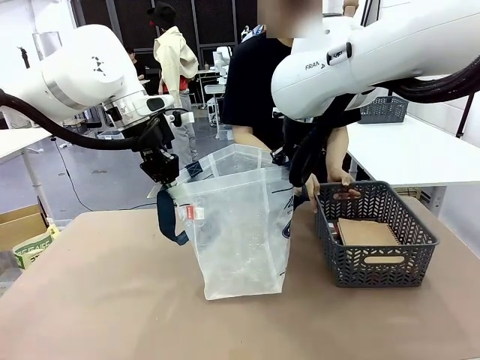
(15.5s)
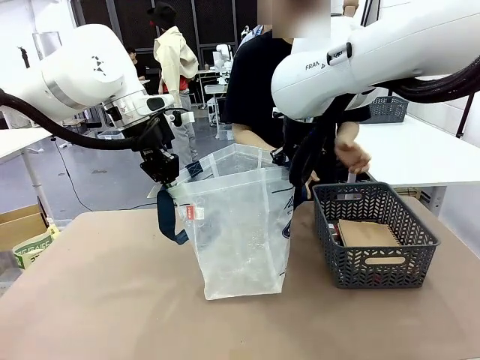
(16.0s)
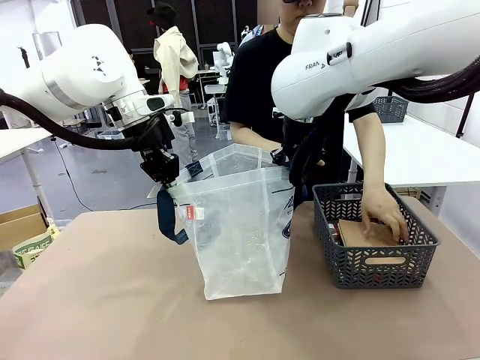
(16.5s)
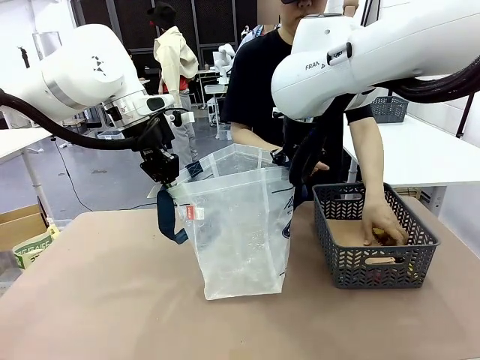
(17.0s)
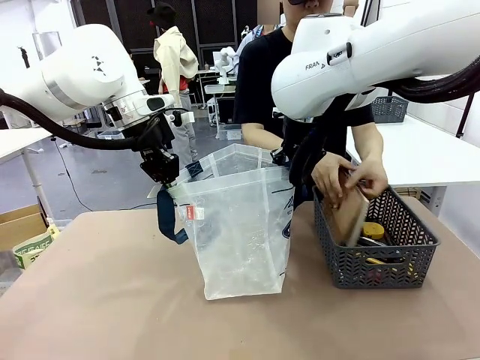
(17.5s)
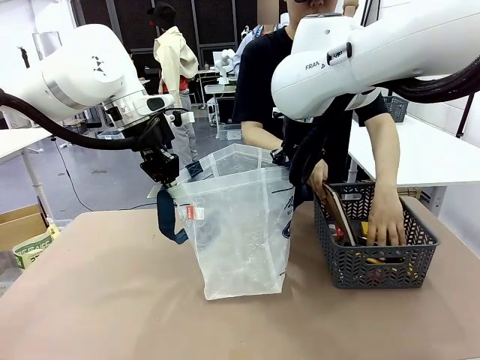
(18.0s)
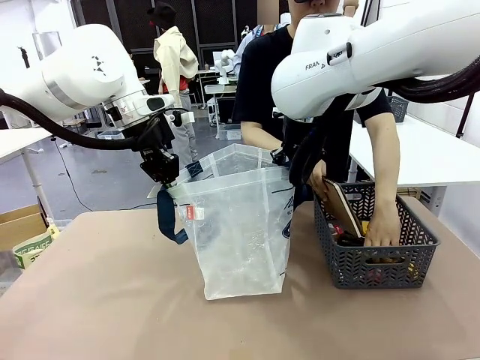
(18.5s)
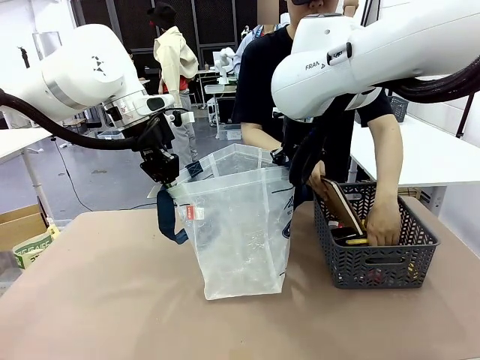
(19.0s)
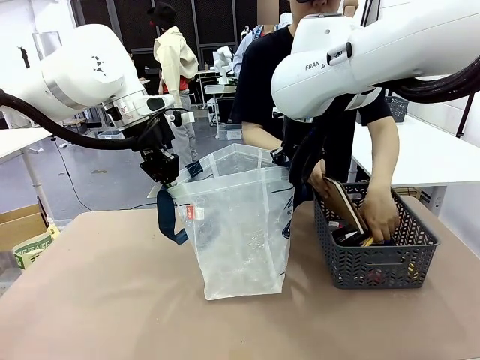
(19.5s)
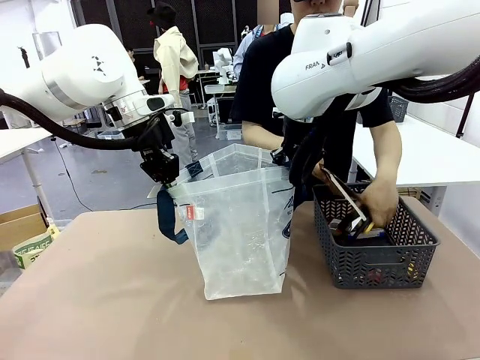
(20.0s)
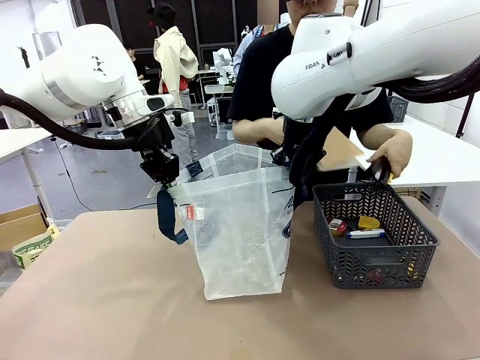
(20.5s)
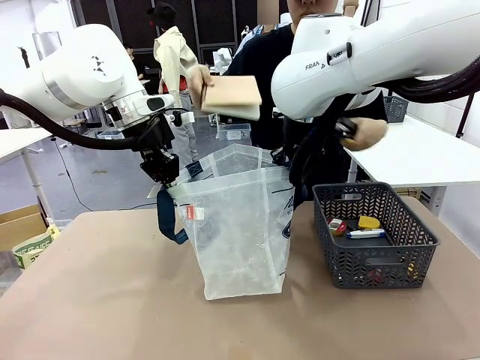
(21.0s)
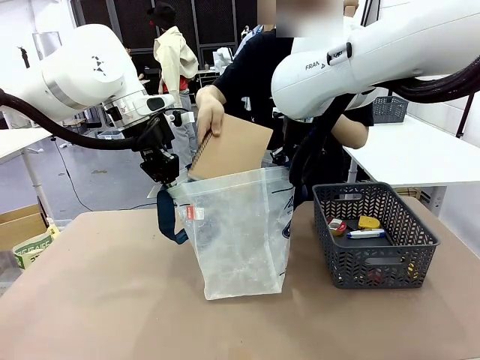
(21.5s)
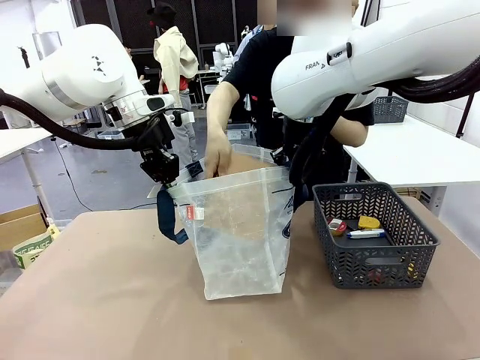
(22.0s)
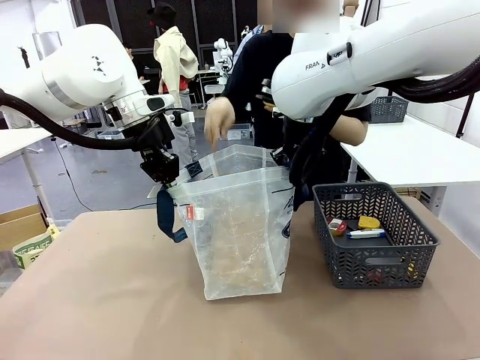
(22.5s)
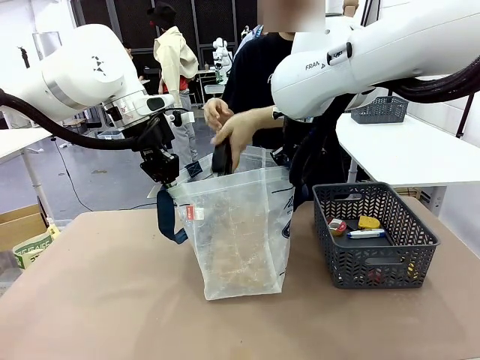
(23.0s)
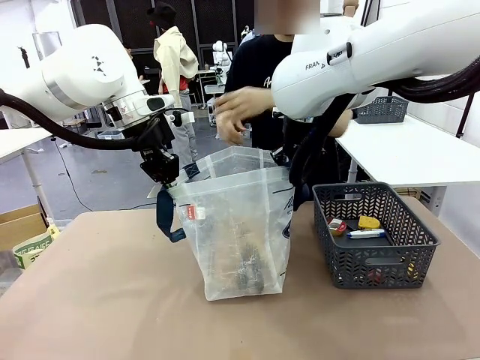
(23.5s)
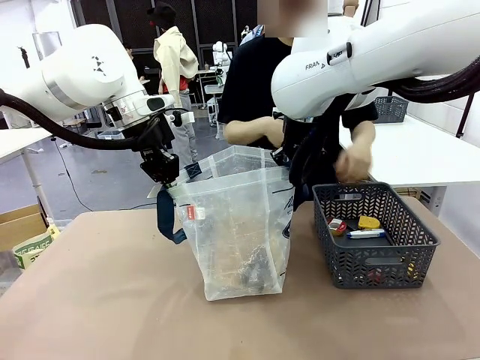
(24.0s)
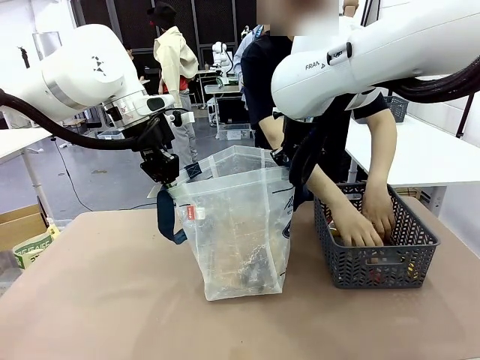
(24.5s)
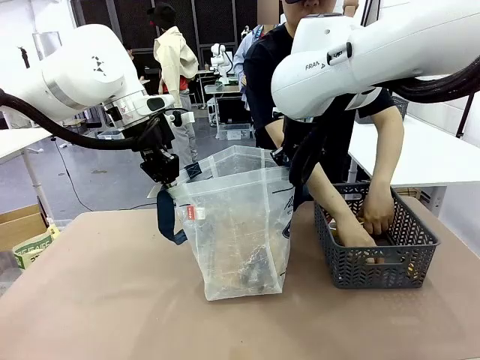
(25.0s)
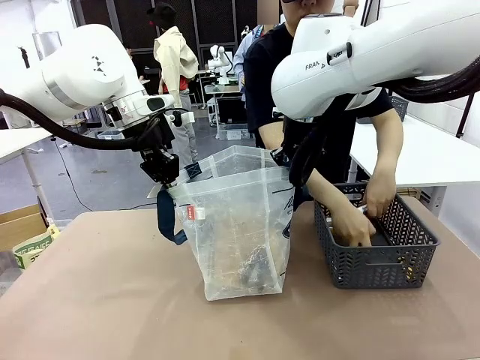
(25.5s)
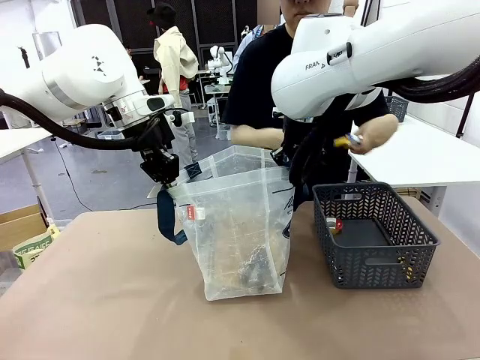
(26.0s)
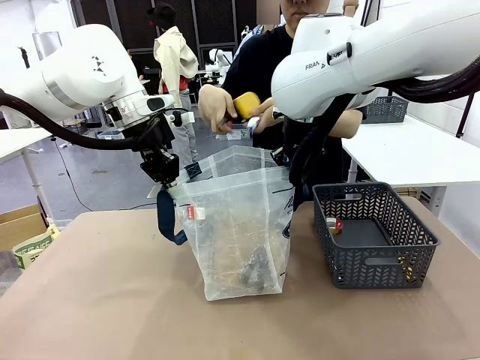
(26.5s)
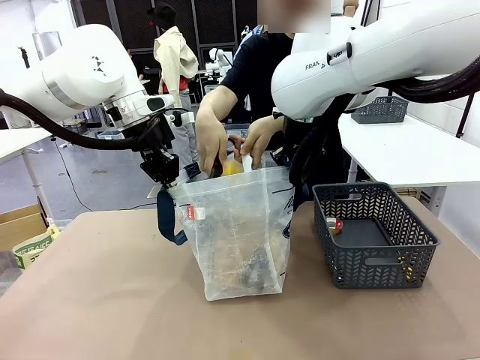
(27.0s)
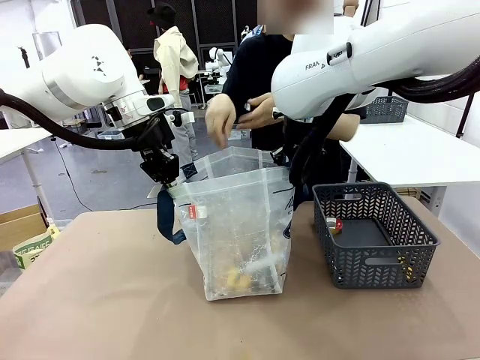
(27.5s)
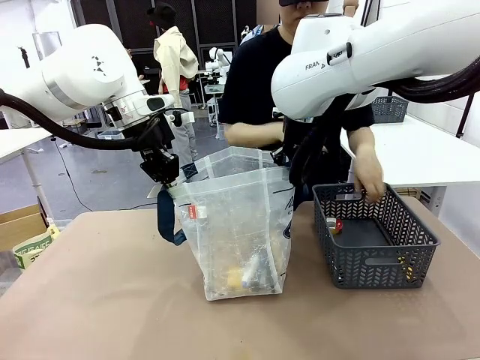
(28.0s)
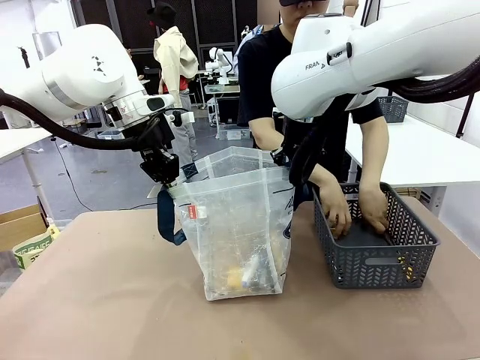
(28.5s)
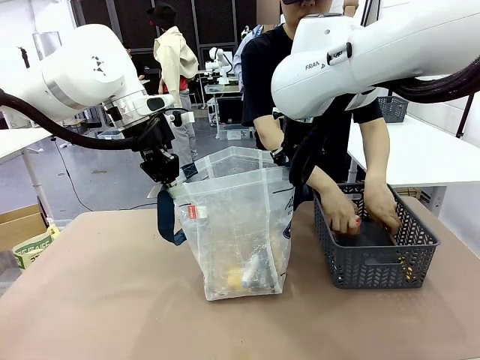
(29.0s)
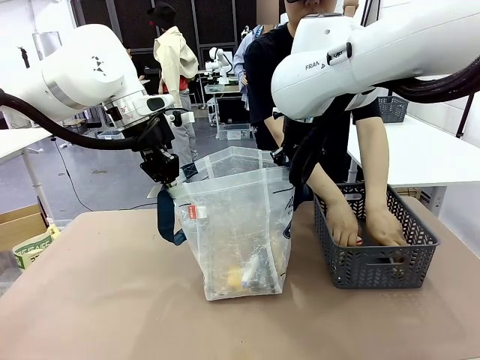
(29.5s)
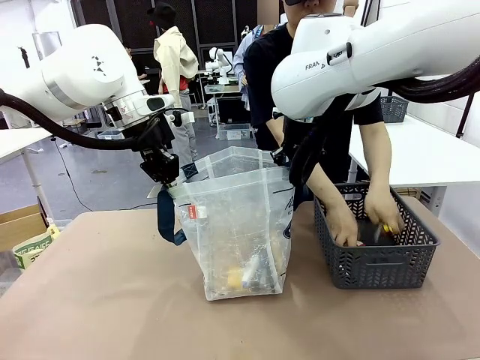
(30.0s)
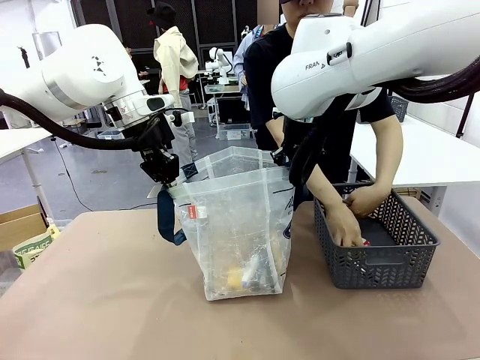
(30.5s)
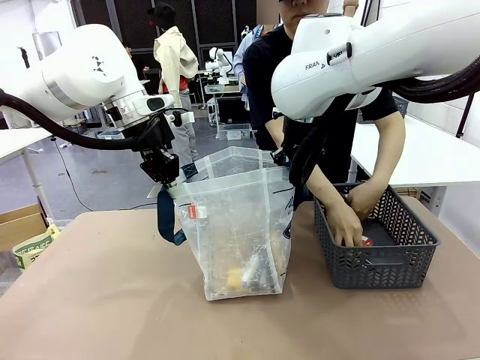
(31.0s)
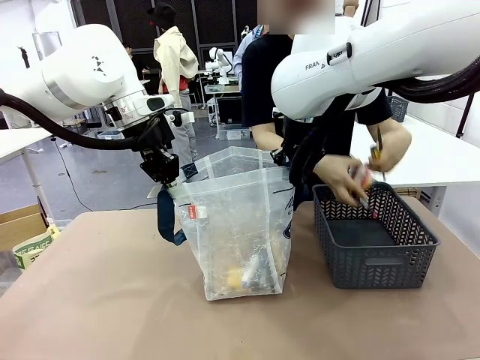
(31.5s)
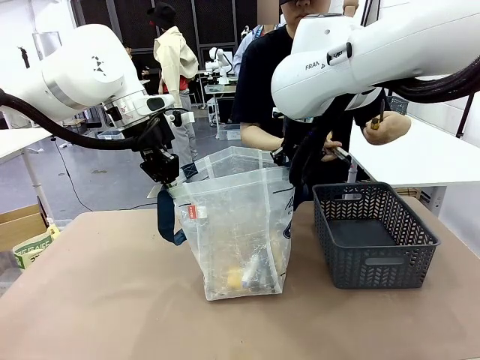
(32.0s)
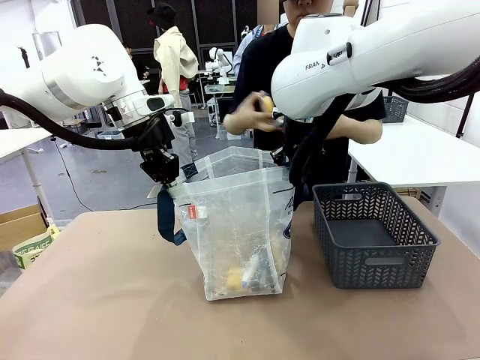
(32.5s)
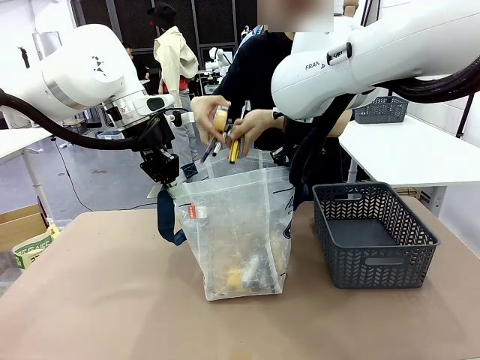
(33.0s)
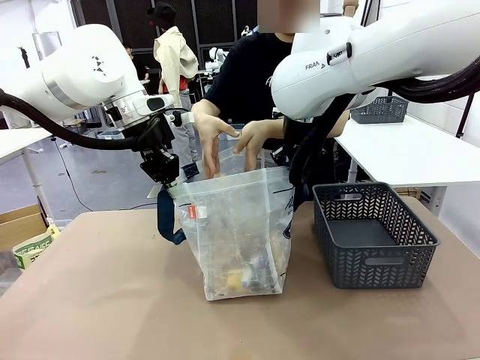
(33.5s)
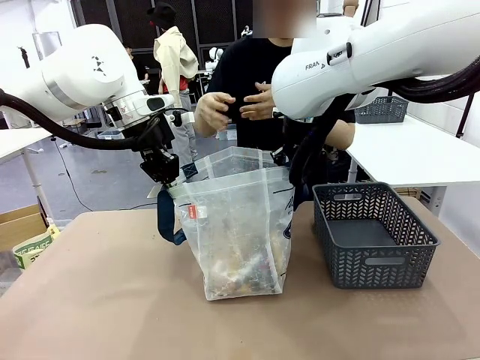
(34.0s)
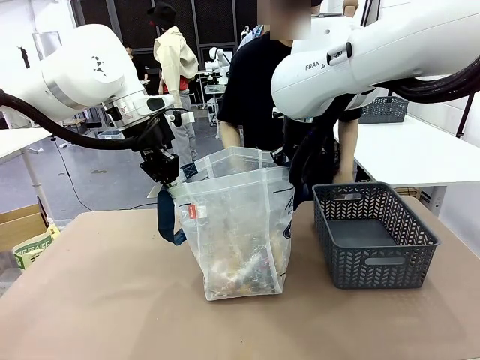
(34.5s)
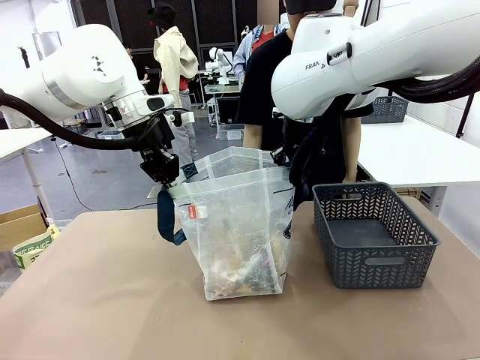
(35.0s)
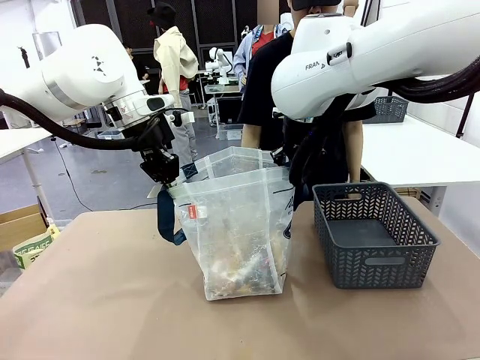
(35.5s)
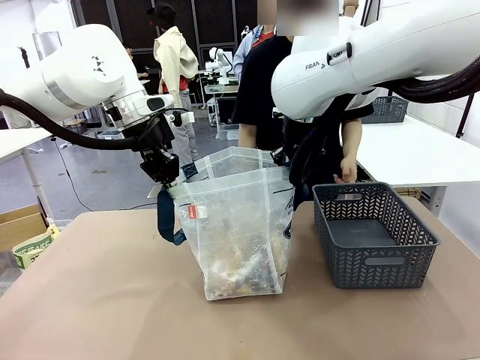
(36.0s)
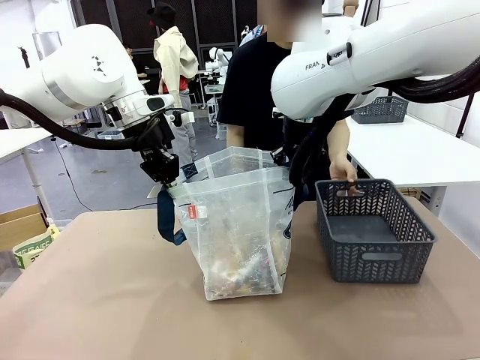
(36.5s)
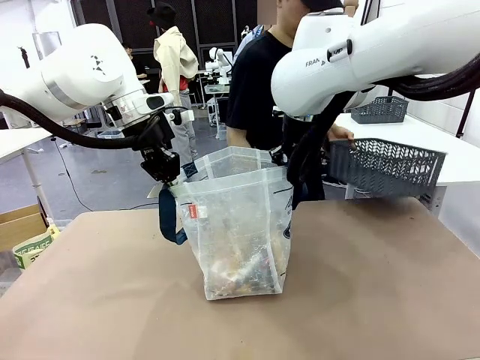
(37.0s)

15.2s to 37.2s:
Task: Transfer purchased items from the store into the shopping bag.
Robot: Move the Reusable shopping bag to the right side of the table.
Person: Pick up the basket on the right, place it on the left side of the robot table, and move the items in the basket to the shopping bag. Pick up the basket with the items out and place it on the right side of the human table.
